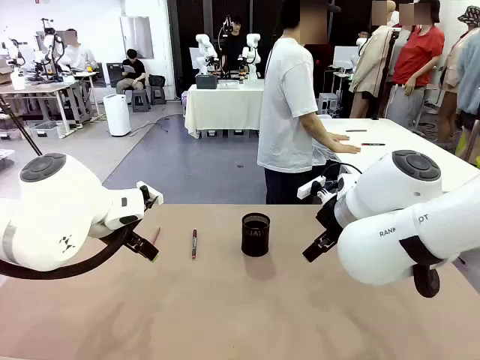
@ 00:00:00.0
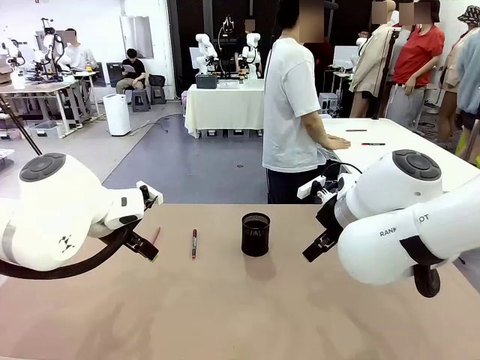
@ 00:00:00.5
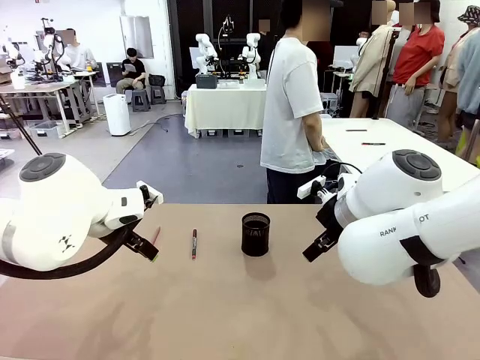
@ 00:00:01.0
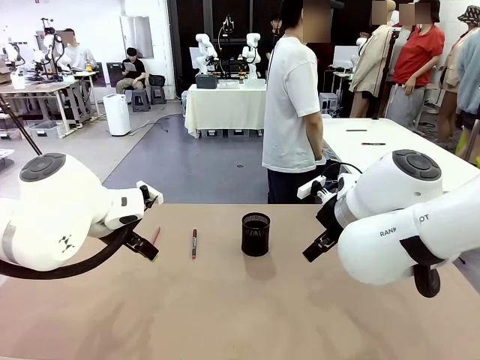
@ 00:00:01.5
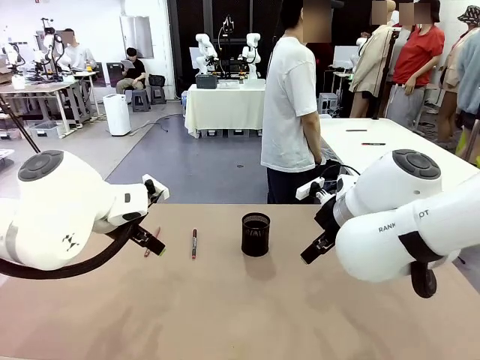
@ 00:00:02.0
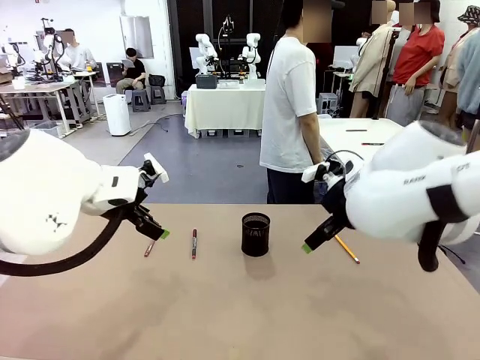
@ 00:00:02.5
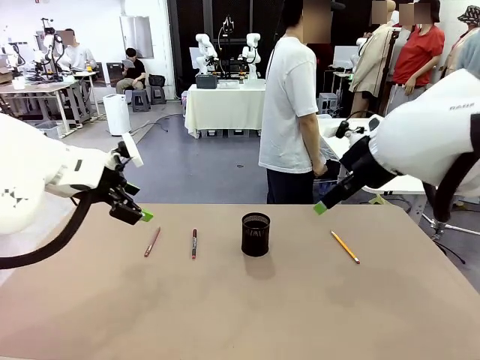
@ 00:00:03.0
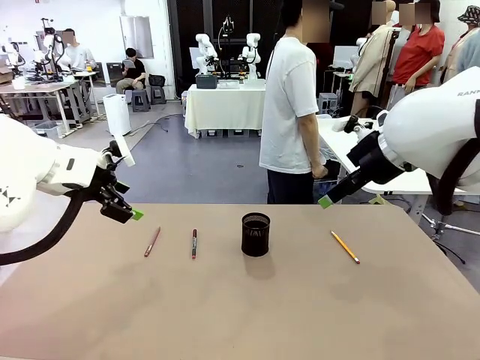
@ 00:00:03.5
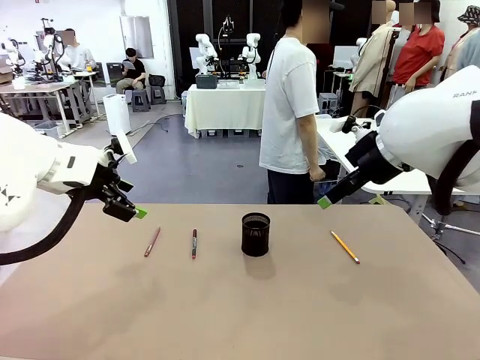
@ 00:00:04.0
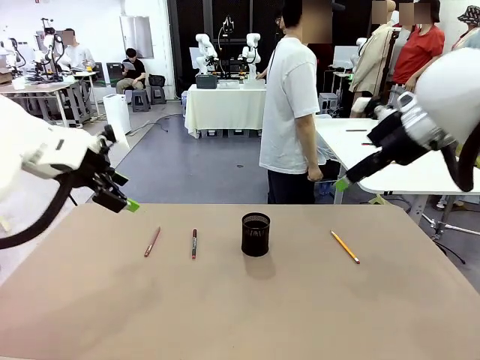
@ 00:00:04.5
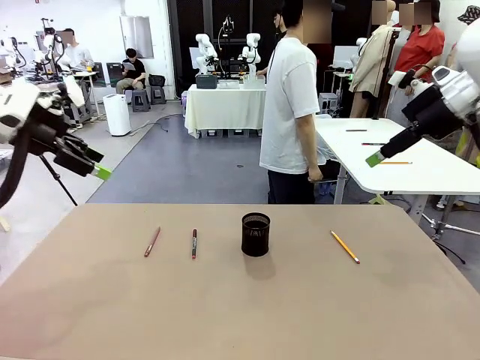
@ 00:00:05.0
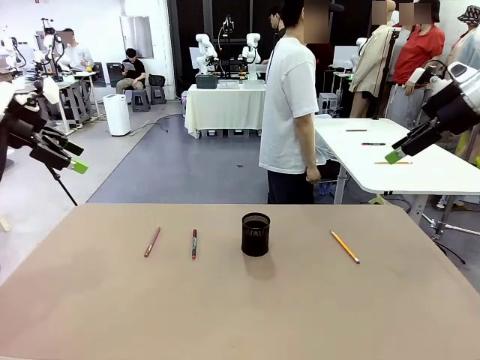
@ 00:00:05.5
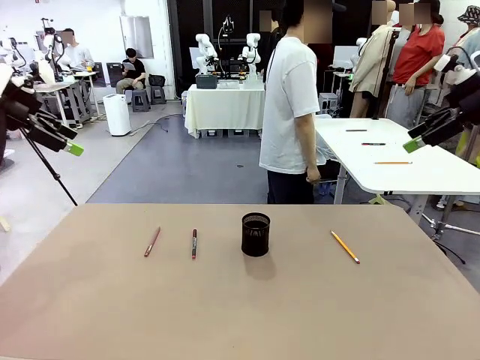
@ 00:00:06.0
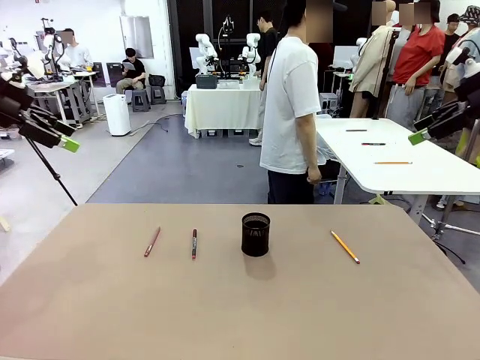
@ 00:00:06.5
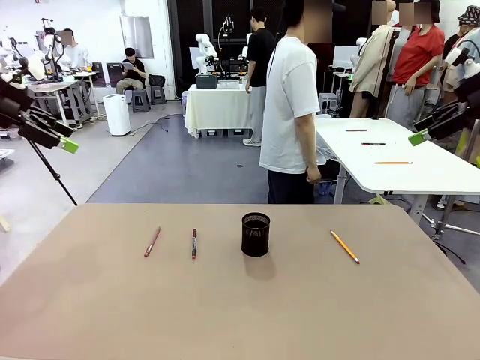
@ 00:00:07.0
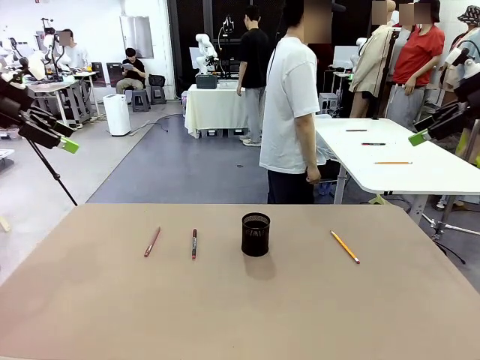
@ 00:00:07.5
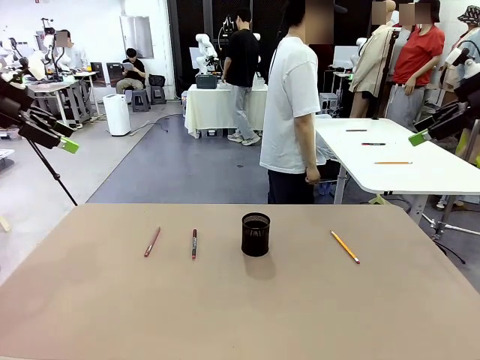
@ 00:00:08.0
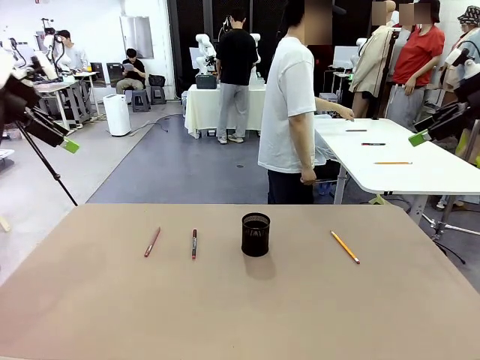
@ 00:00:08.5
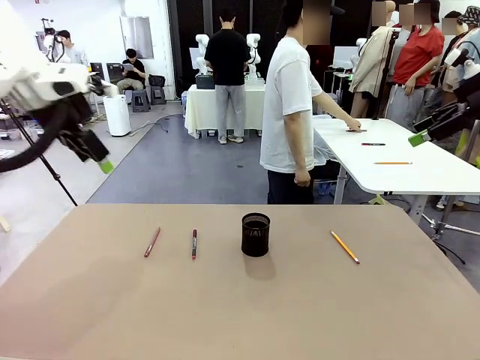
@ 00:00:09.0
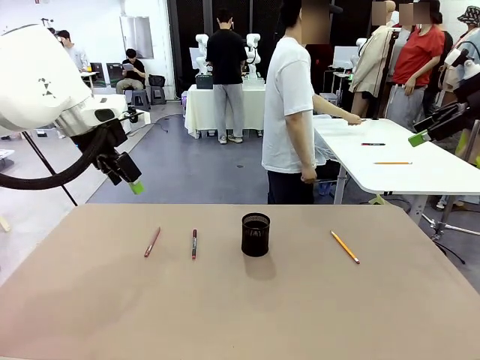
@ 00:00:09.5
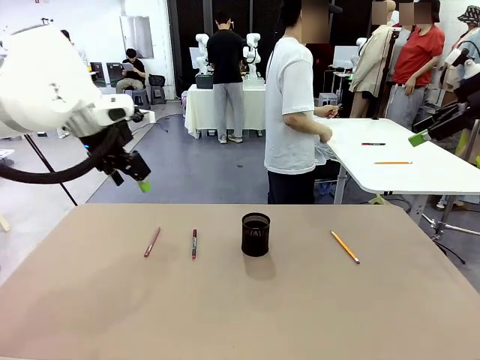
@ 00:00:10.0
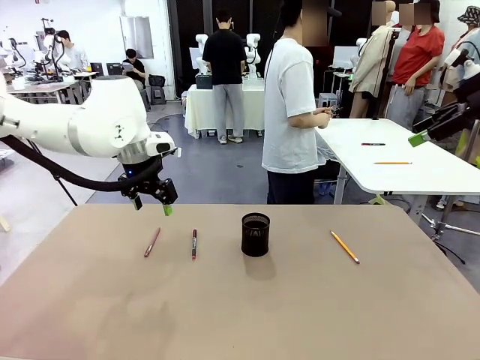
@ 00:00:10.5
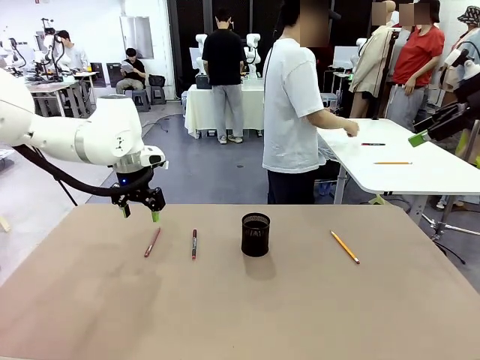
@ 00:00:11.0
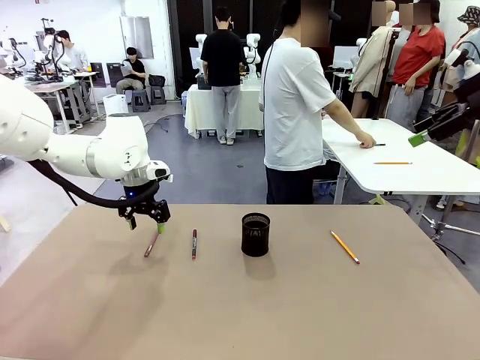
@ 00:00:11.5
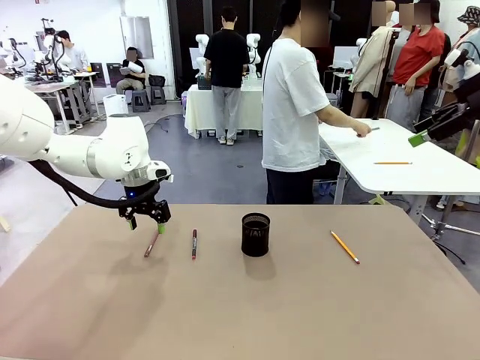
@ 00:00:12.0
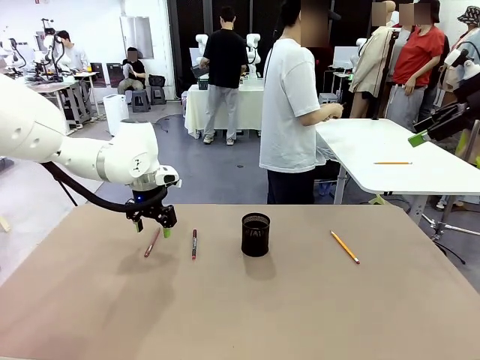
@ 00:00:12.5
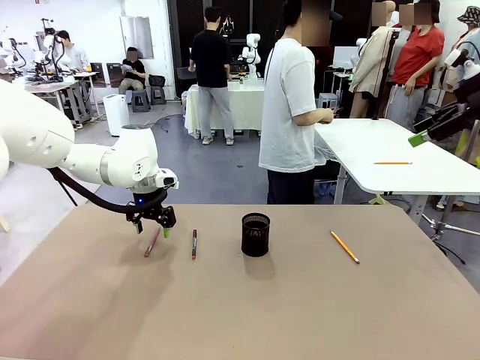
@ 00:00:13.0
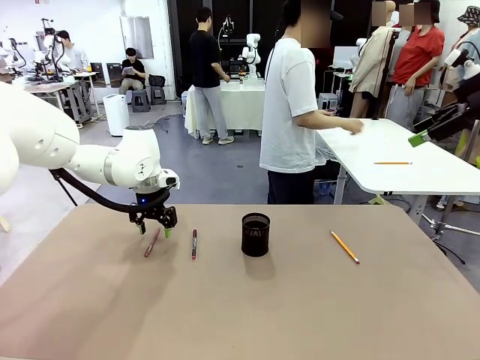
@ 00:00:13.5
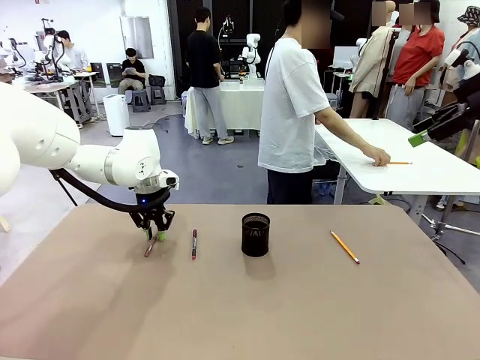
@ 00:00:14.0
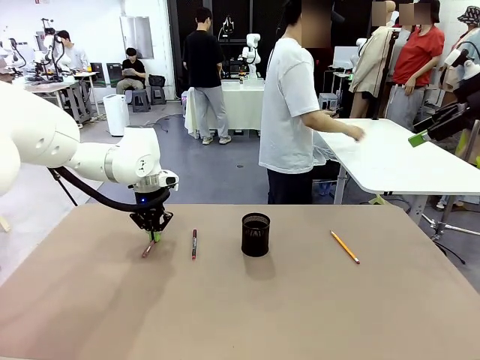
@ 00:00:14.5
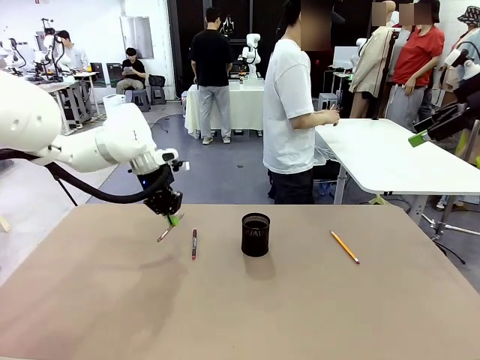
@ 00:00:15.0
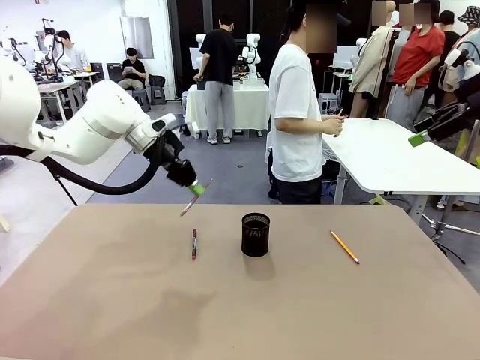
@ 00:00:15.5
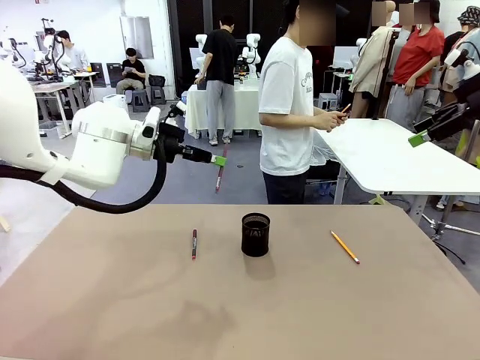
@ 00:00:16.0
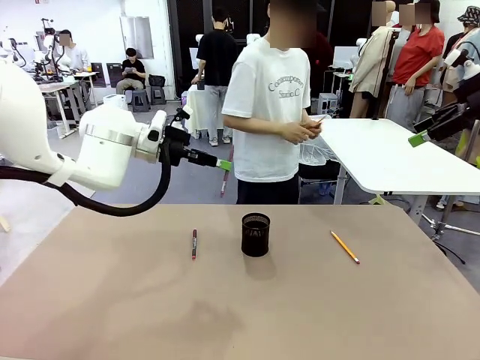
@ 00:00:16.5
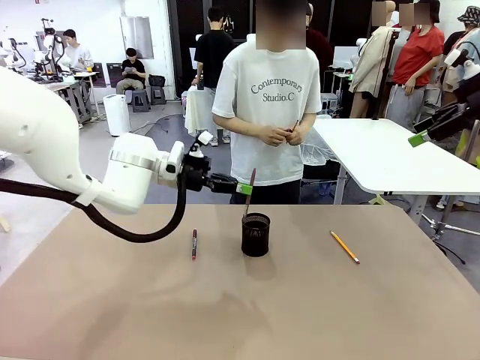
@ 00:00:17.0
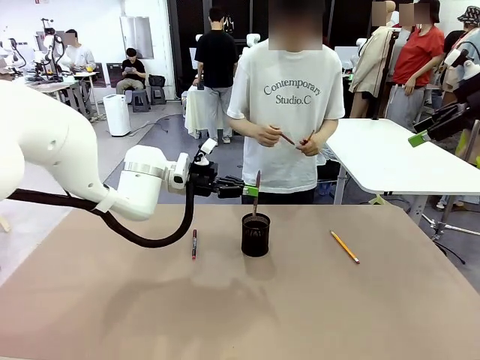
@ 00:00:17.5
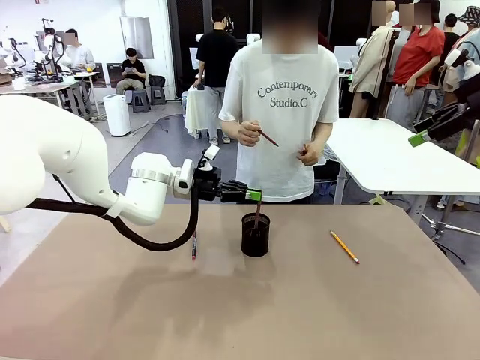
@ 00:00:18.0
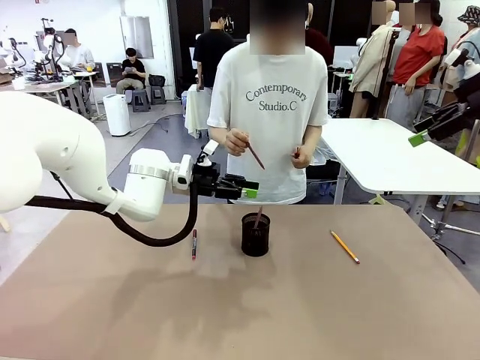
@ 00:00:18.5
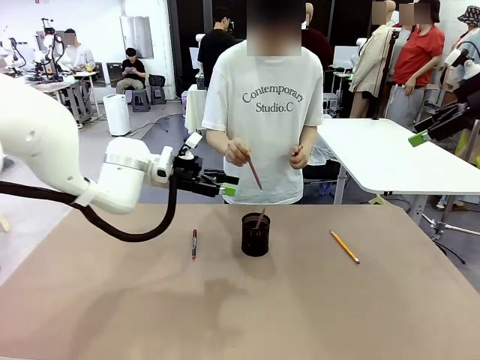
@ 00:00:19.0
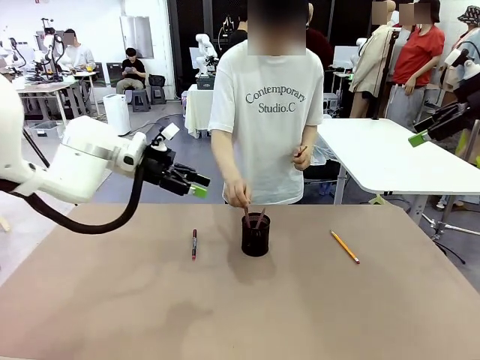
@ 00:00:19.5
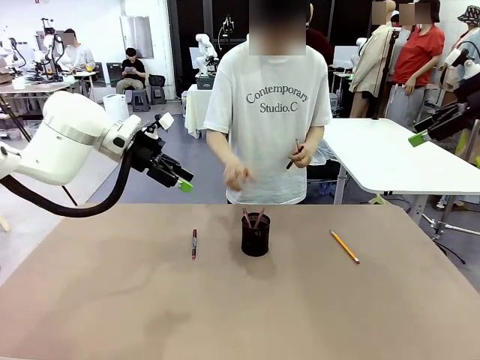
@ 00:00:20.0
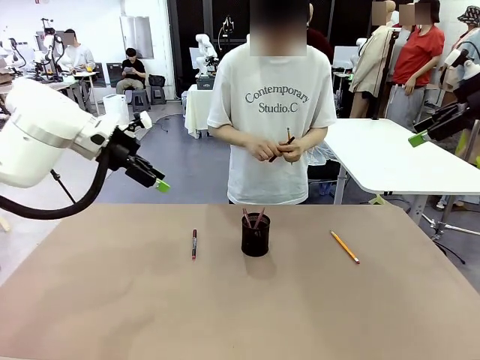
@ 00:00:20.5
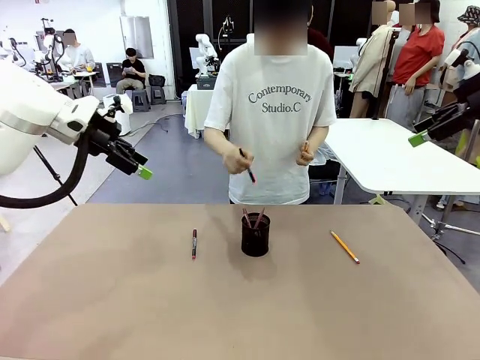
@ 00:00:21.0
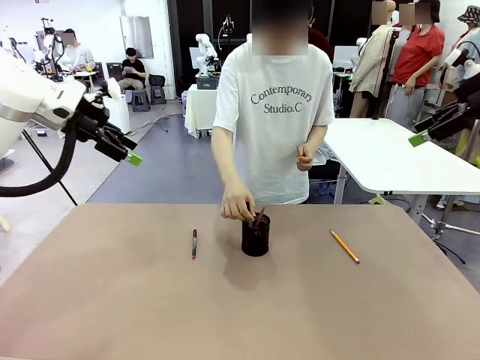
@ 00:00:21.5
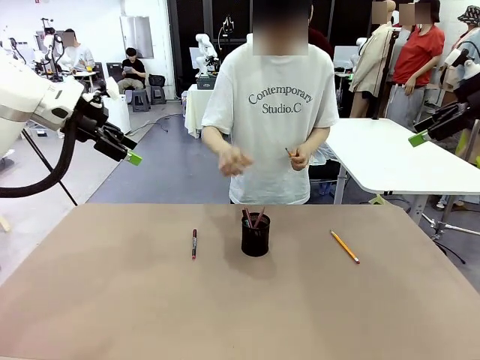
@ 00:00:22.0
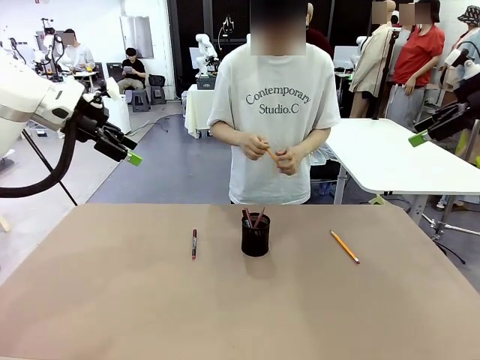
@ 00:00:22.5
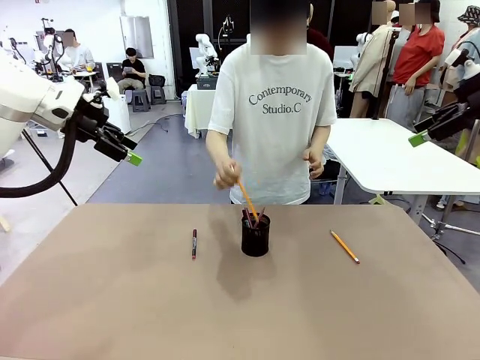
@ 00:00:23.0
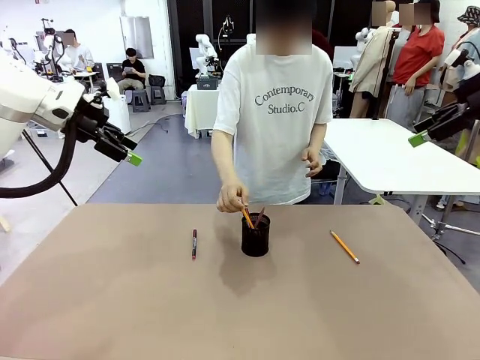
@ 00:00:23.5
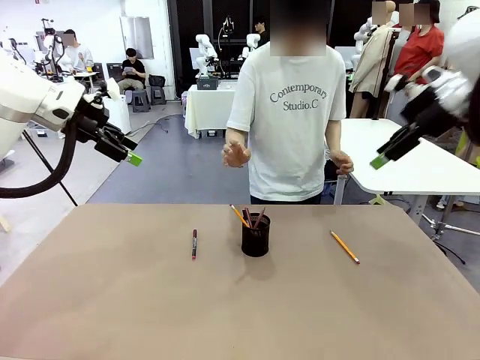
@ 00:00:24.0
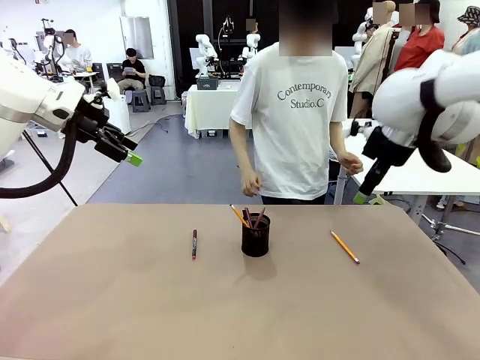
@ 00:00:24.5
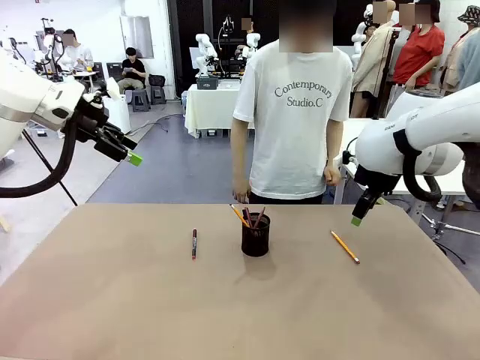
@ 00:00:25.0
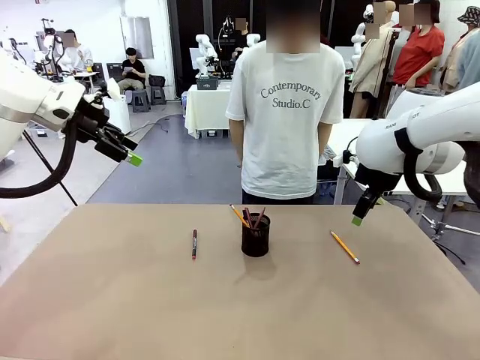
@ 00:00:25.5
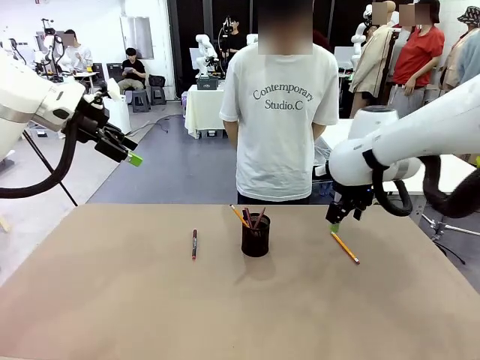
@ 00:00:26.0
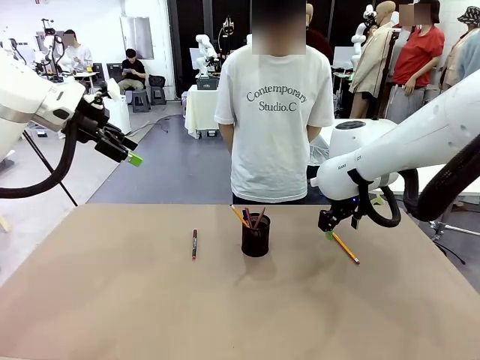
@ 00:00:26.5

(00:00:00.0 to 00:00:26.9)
Task: Place the pens into the pen holder.
Robot: Pick up a writing instrument from the table and place it into the Pen holder.
Person: Pick up all writing instruments from the Human table.
